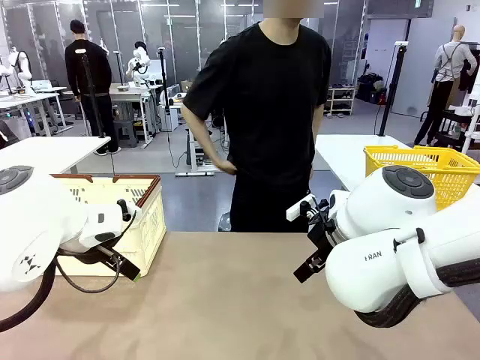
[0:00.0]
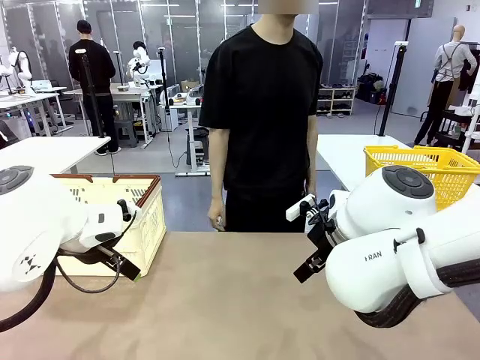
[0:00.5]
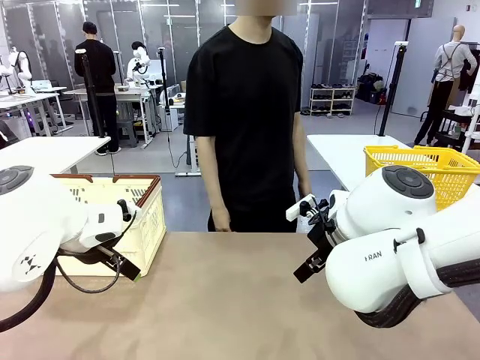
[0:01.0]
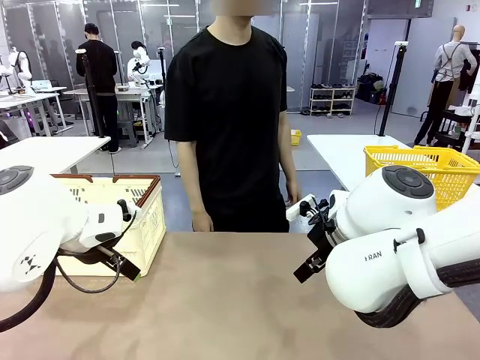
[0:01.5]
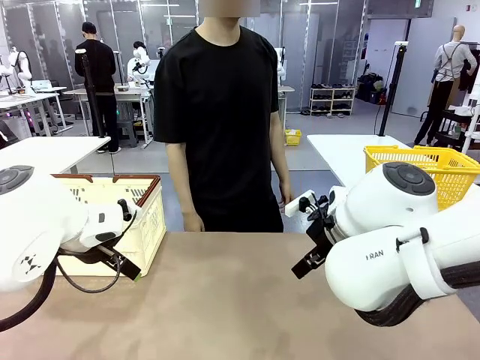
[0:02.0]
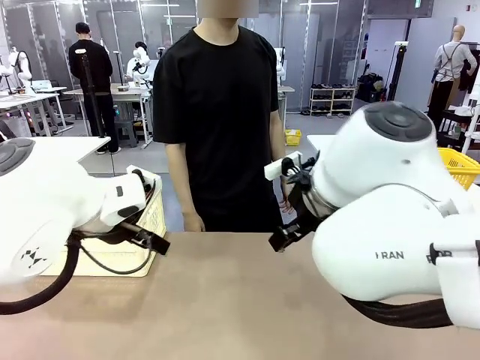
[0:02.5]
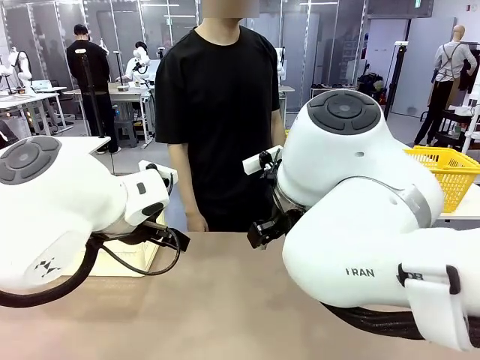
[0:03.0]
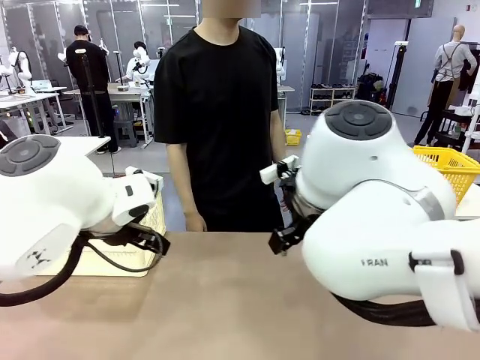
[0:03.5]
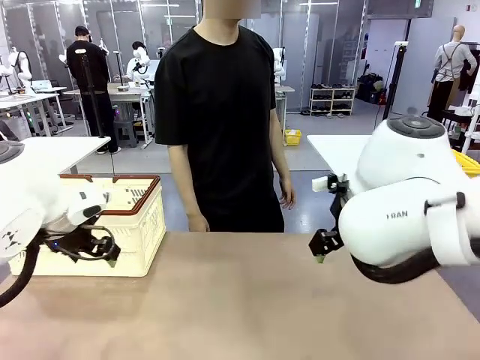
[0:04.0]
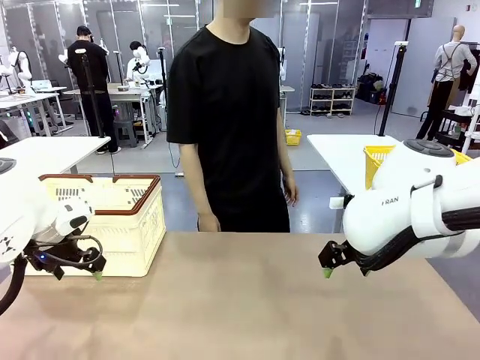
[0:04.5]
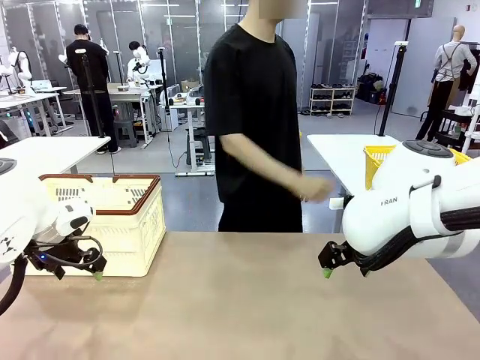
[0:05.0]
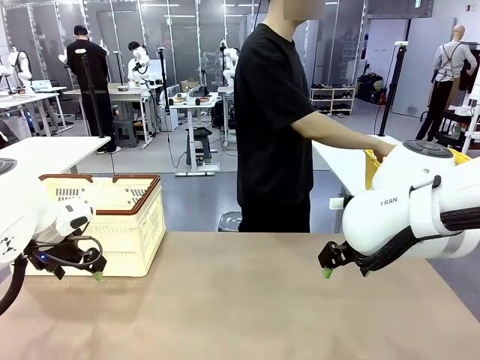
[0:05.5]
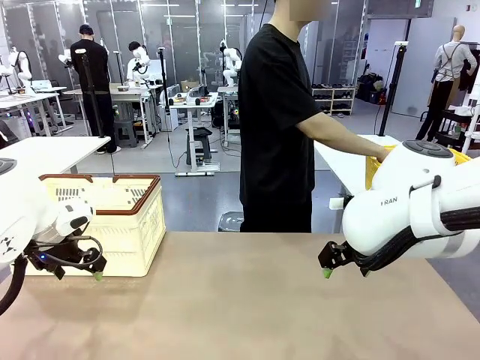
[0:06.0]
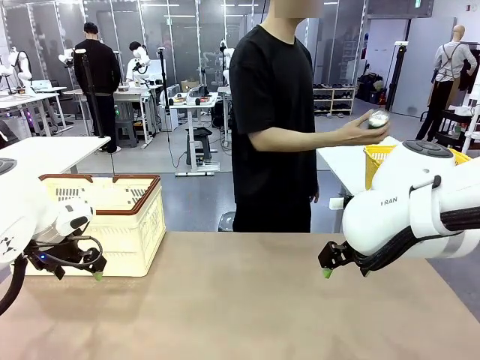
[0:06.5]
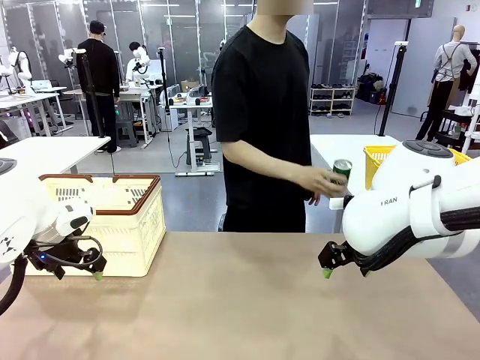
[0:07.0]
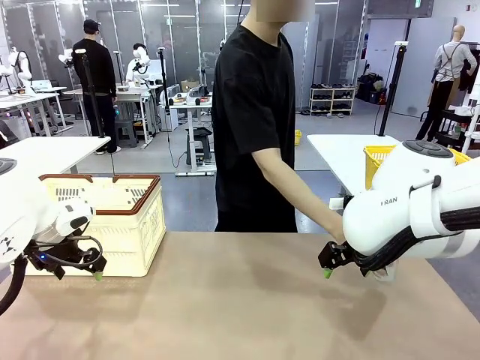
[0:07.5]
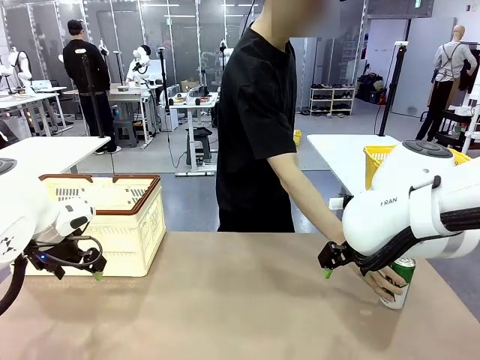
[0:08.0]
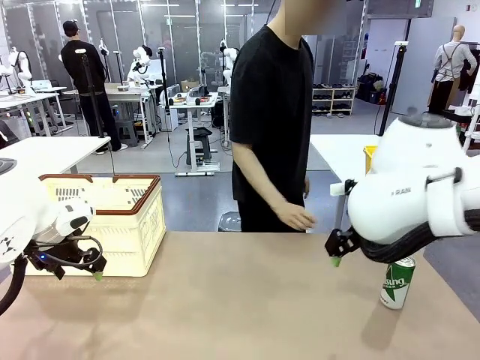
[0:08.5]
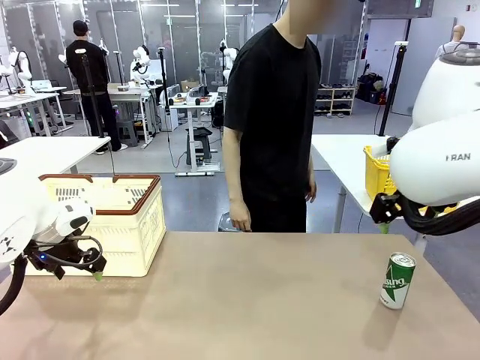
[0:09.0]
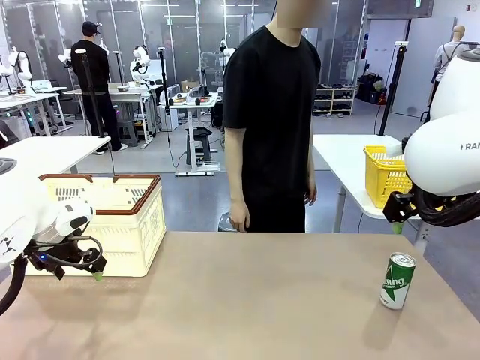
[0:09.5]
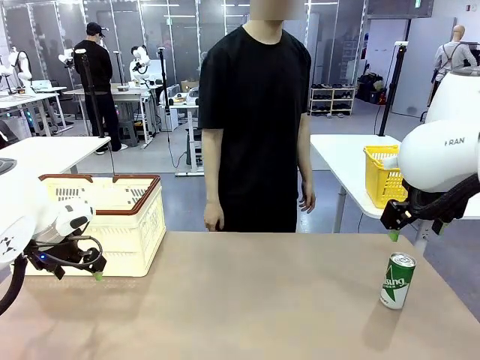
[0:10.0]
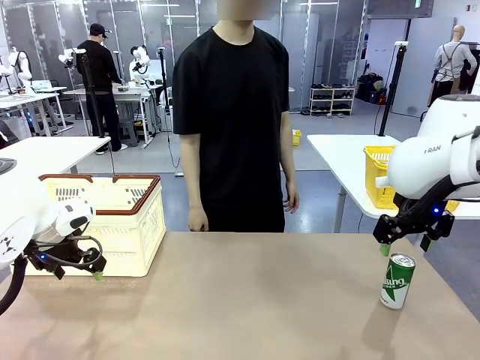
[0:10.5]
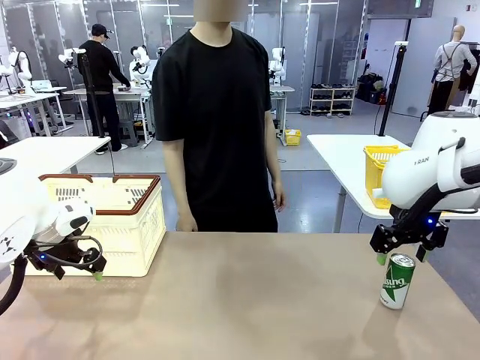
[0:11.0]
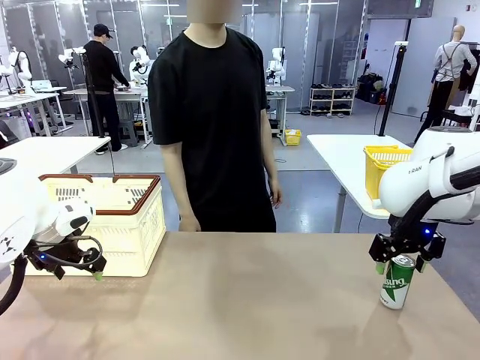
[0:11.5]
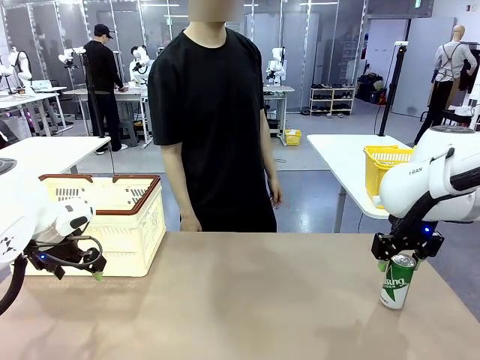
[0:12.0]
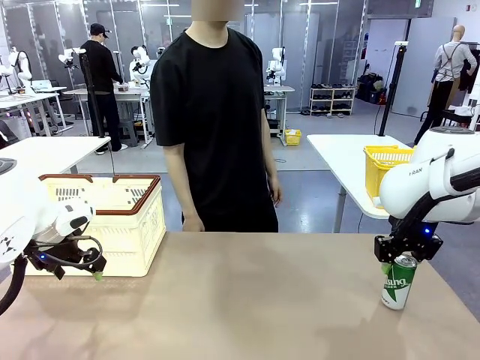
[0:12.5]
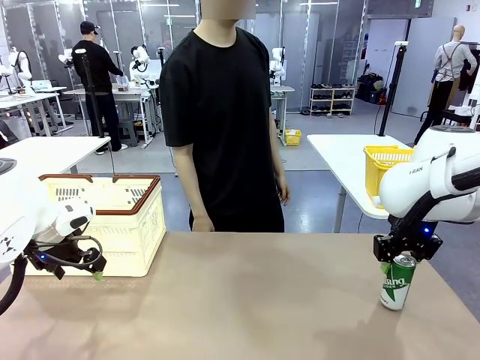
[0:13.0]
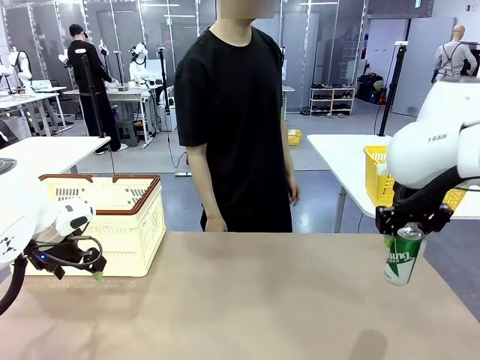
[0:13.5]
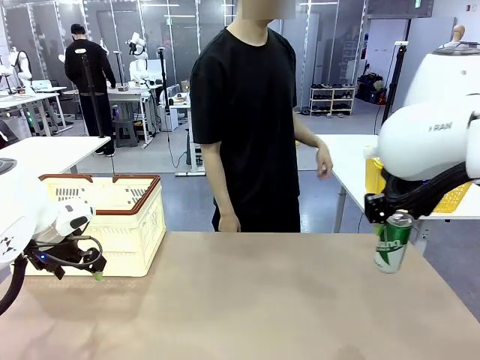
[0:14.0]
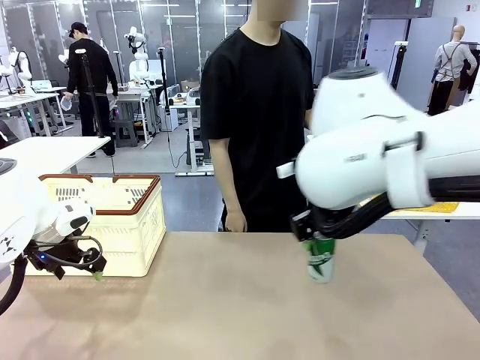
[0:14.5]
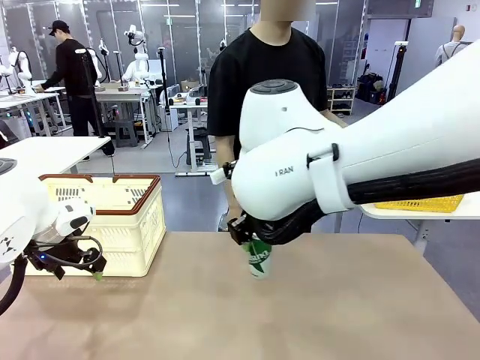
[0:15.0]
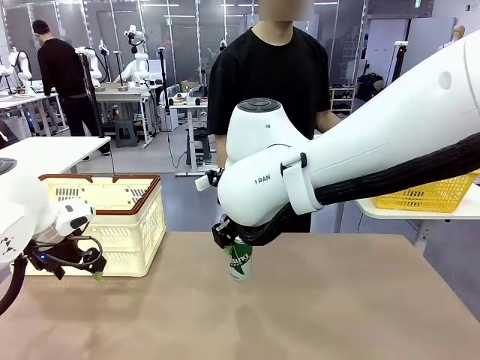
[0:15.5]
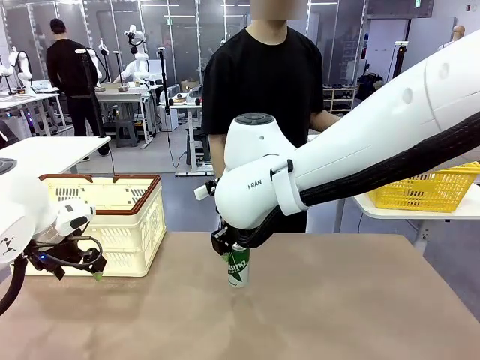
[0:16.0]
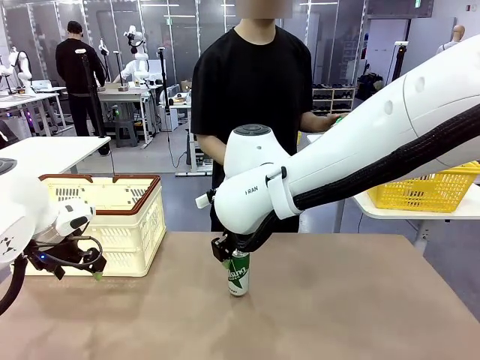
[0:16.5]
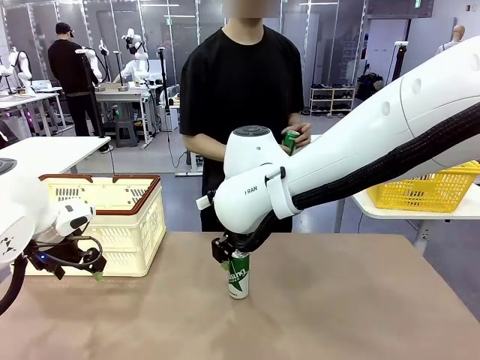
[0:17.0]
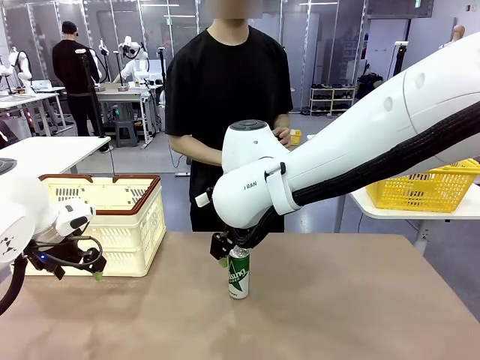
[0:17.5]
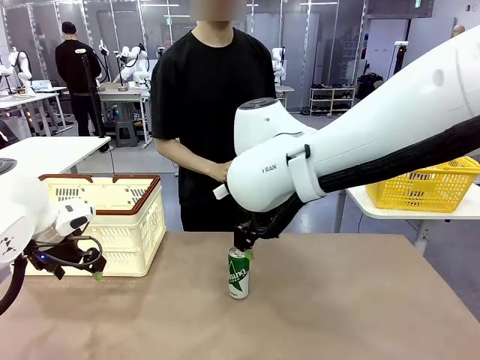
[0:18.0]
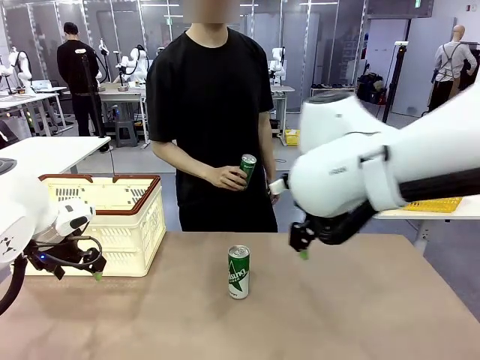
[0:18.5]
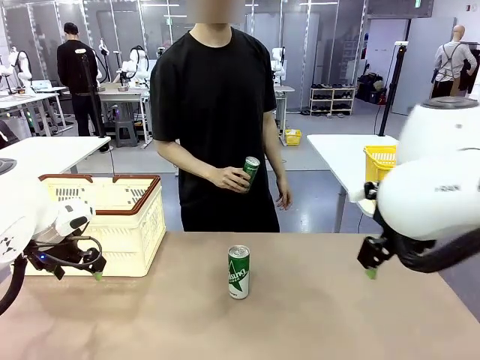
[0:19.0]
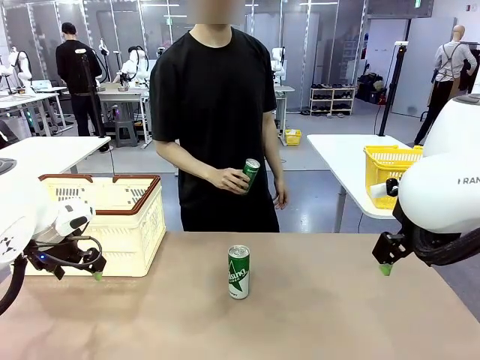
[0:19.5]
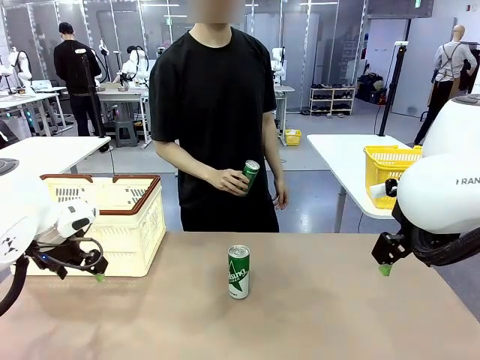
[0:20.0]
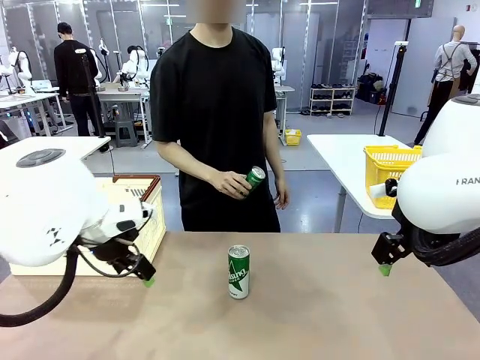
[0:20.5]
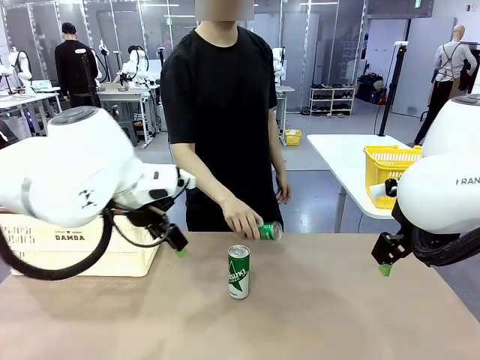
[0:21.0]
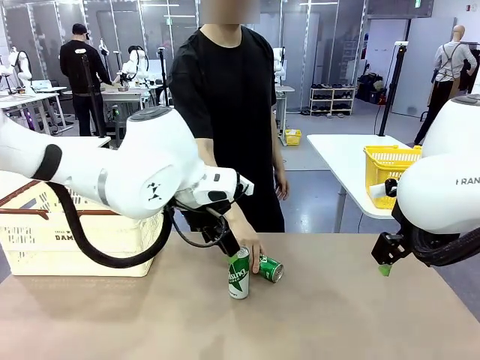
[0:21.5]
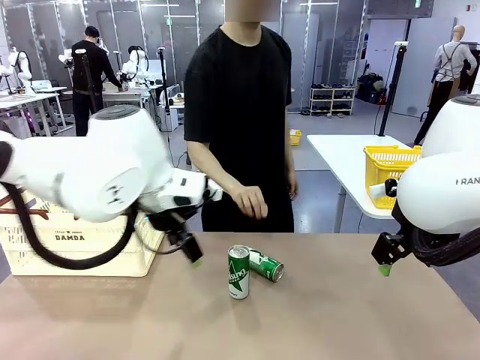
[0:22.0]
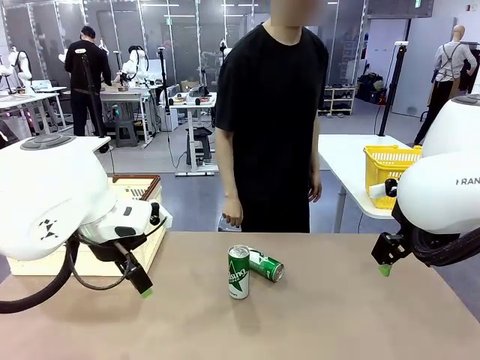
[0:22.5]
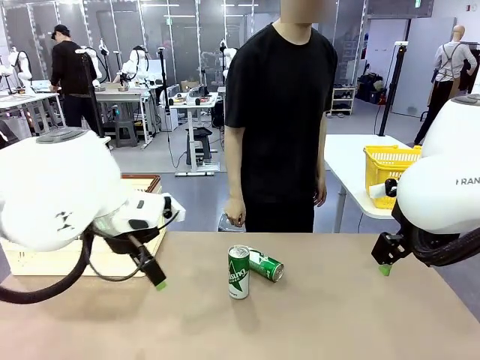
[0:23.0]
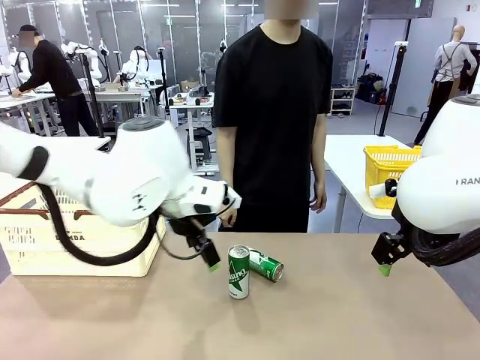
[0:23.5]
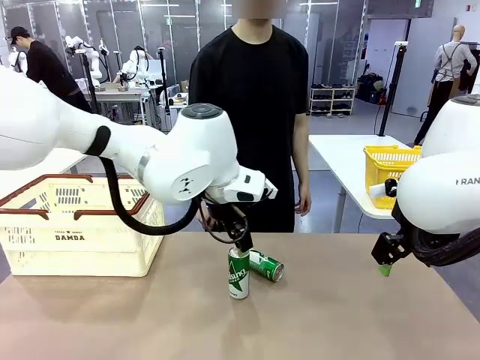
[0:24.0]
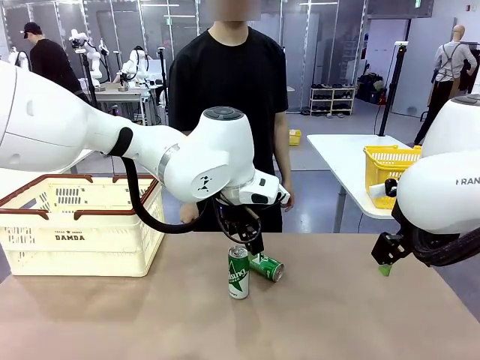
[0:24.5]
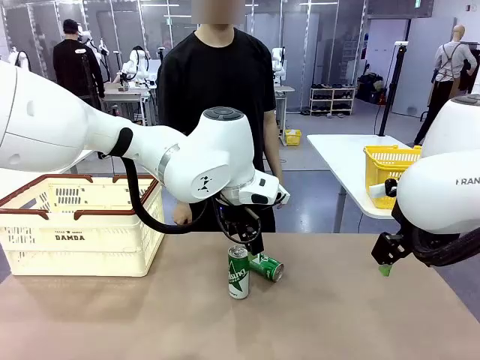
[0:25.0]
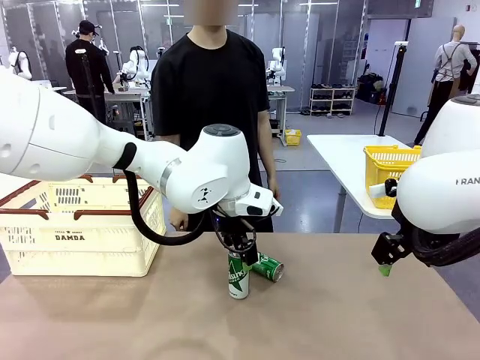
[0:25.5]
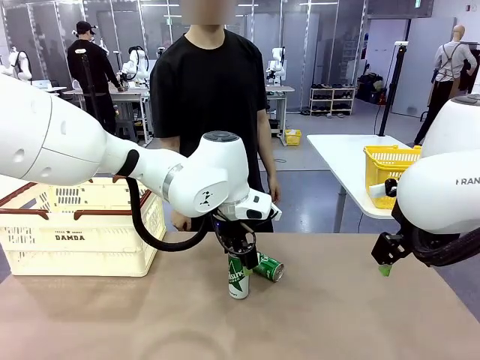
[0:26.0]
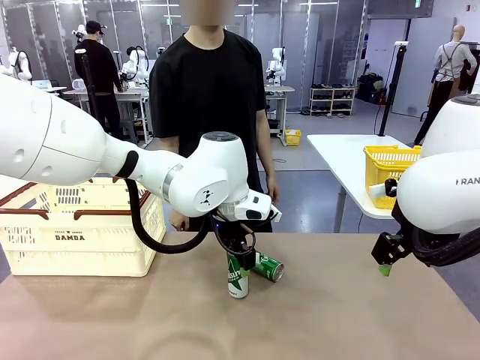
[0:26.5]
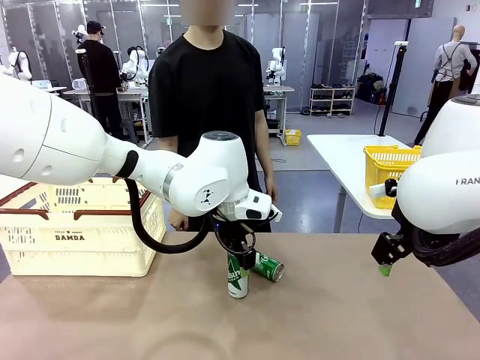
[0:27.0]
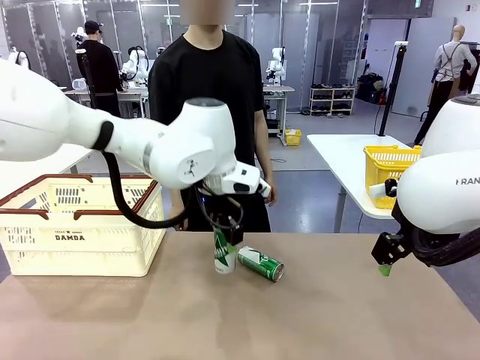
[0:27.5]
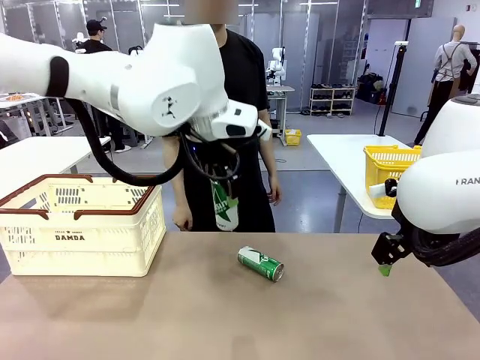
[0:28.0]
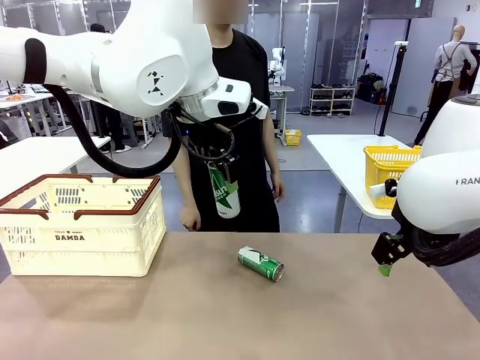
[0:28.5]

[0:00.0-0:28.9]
Task: Place the drinks into the Shopping basket.
Robot: Pick up one drink and place it into the Shopping basket.
